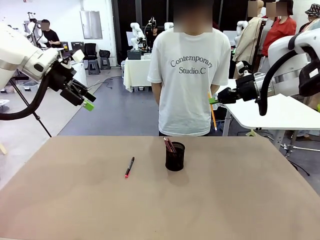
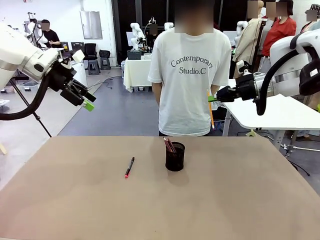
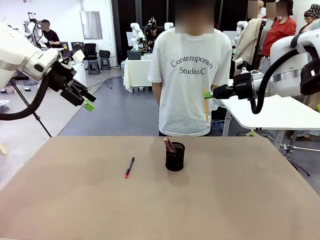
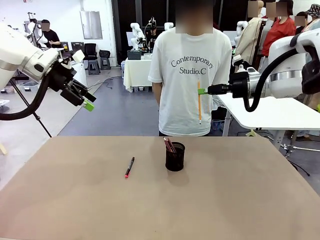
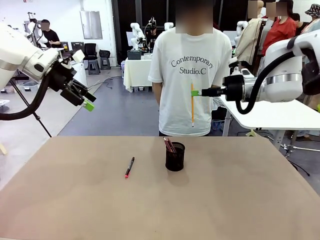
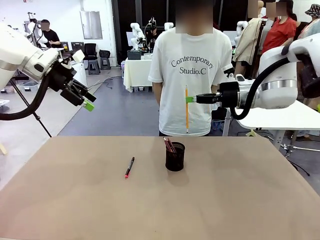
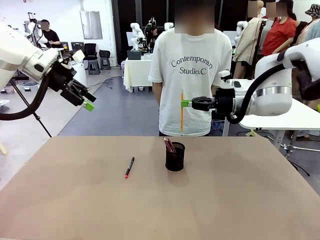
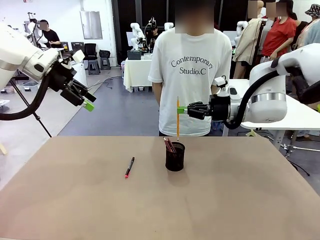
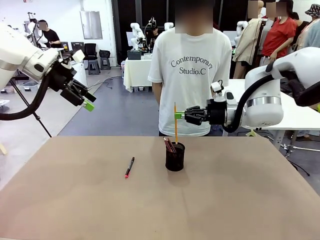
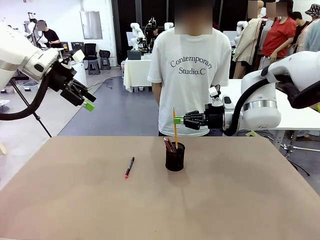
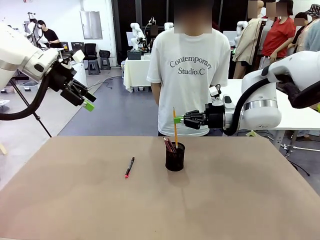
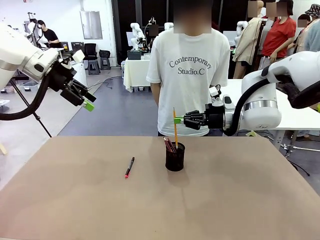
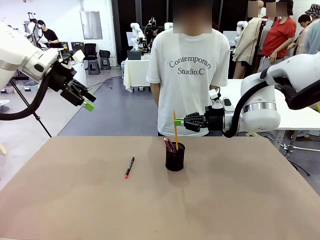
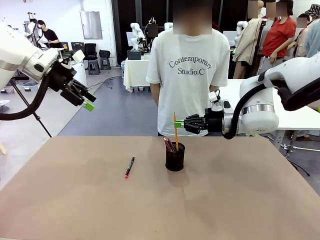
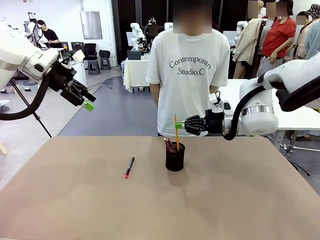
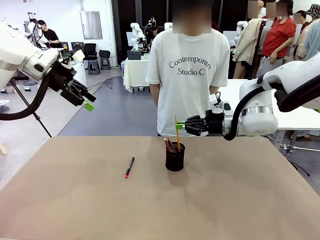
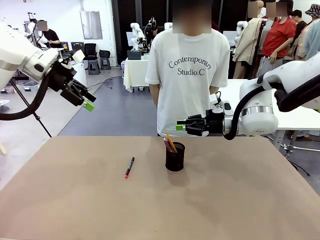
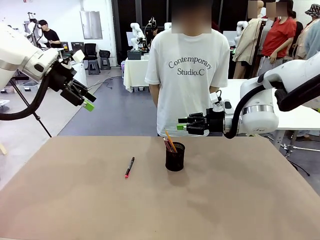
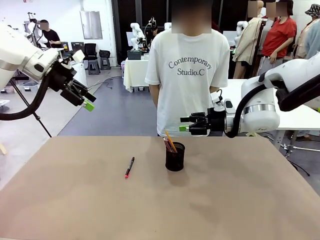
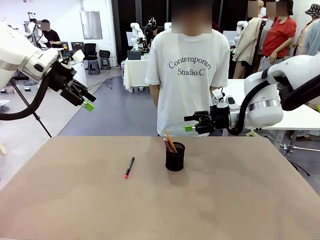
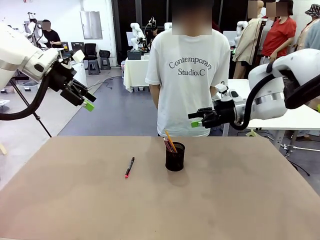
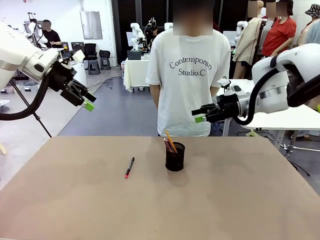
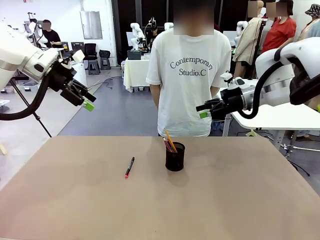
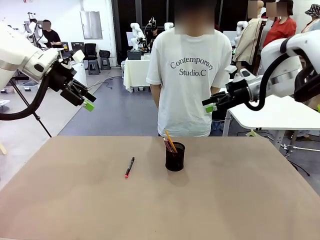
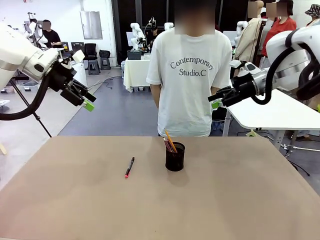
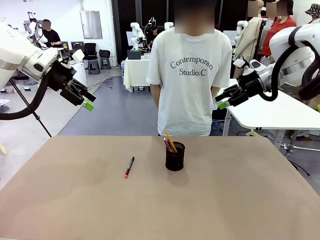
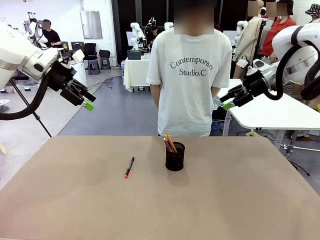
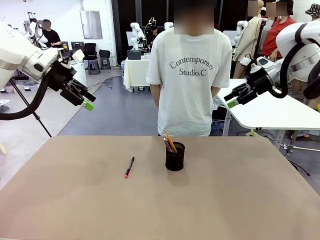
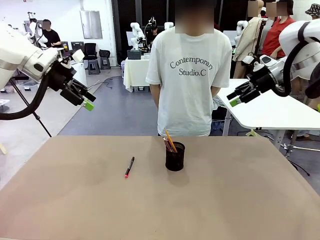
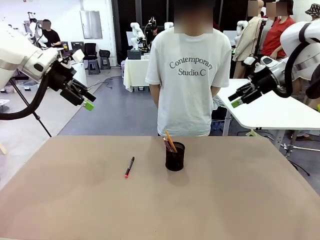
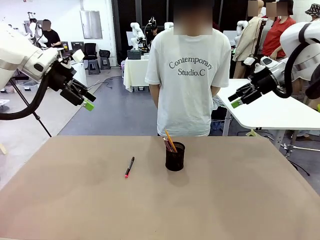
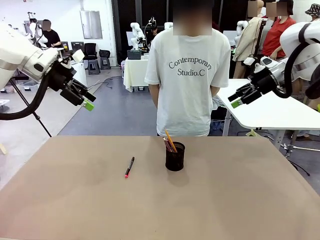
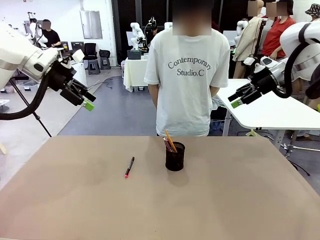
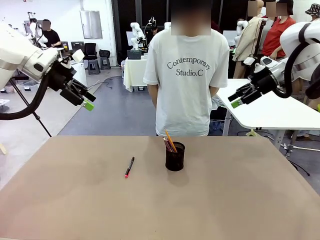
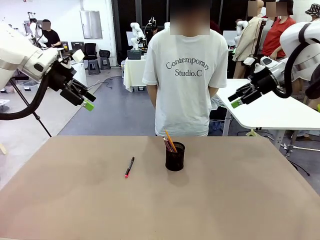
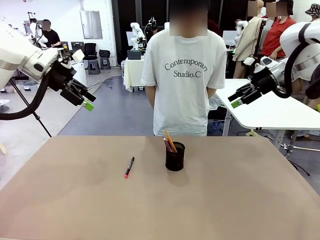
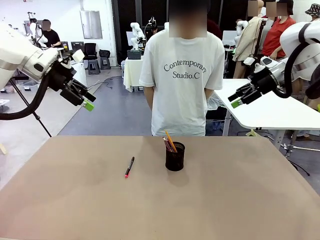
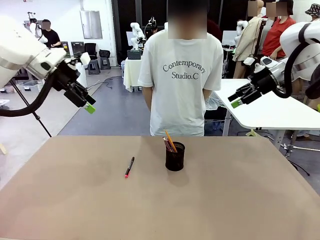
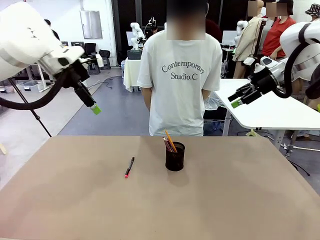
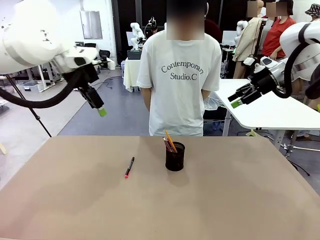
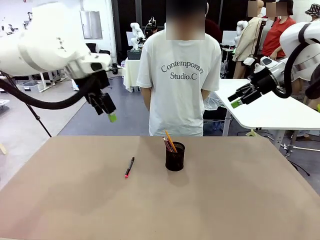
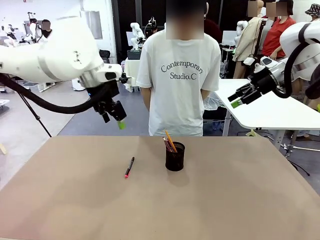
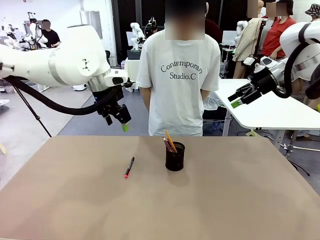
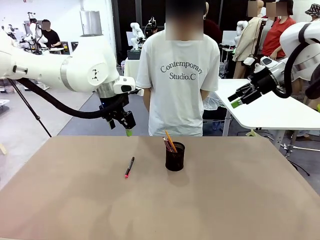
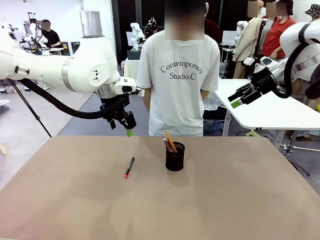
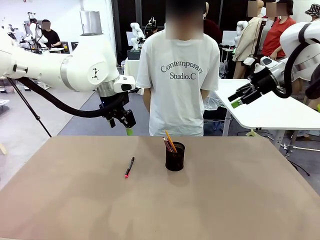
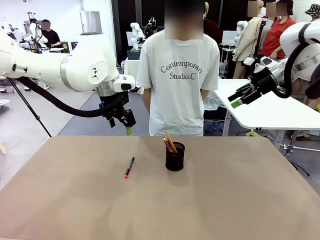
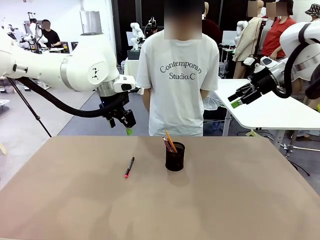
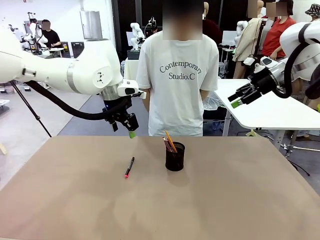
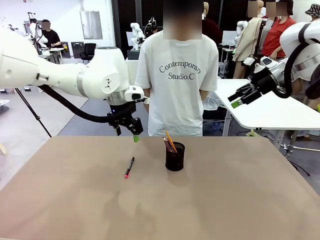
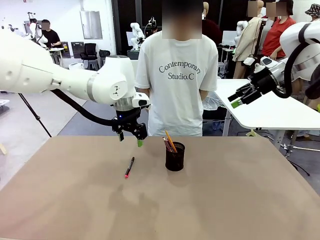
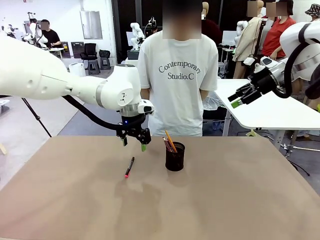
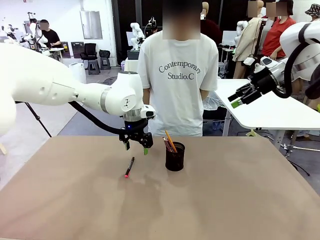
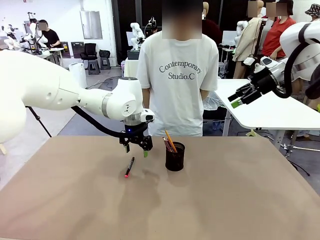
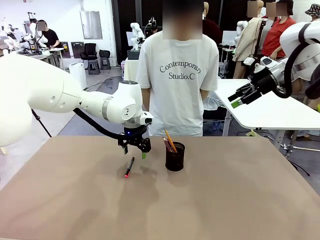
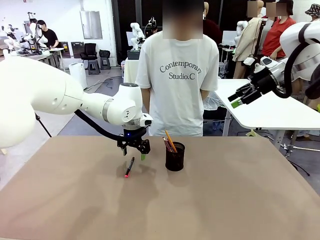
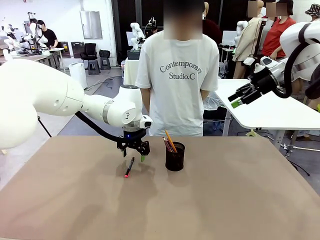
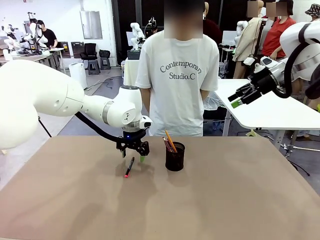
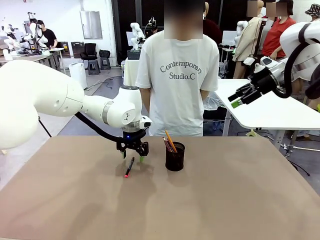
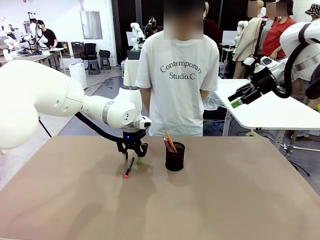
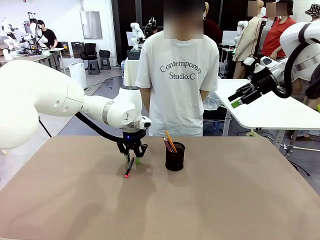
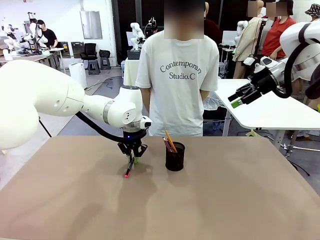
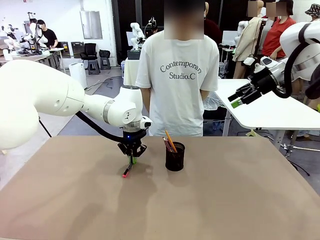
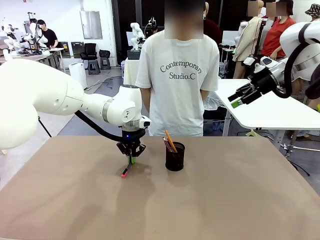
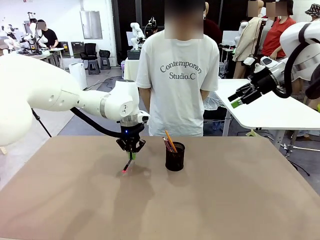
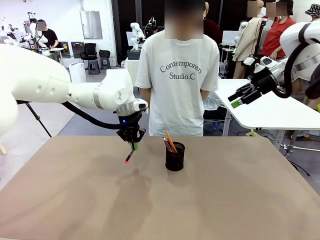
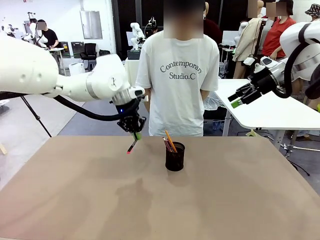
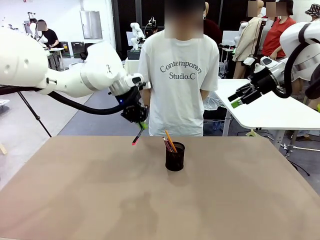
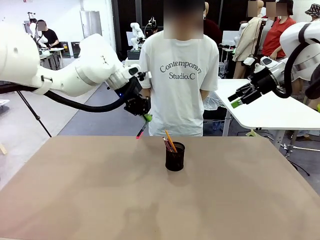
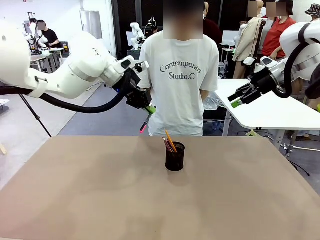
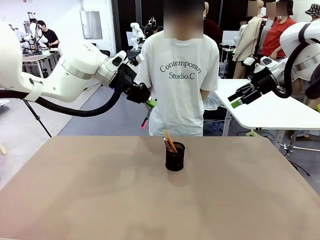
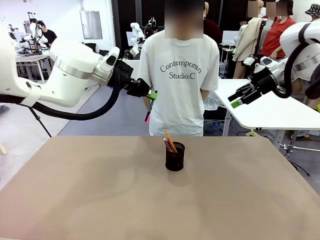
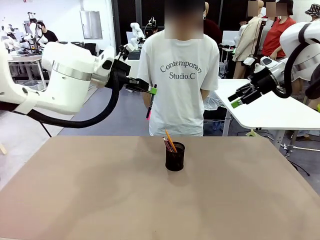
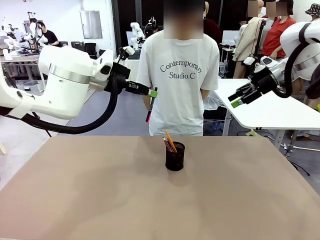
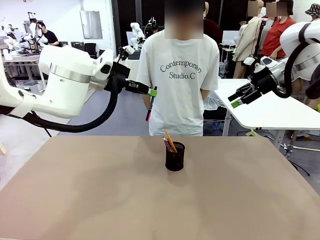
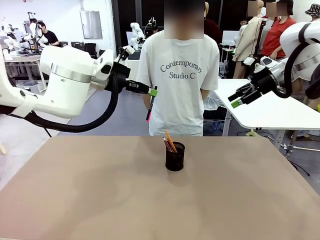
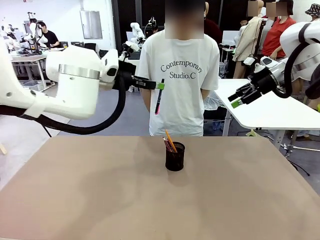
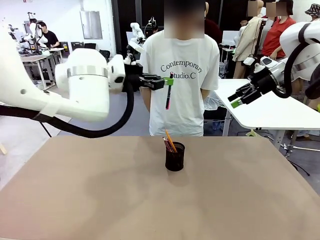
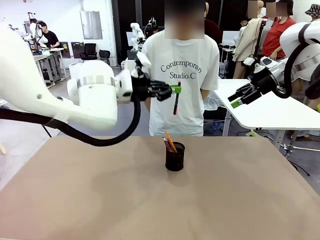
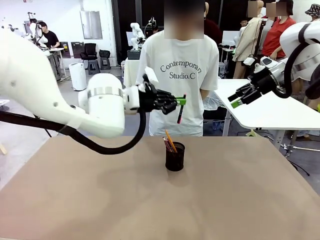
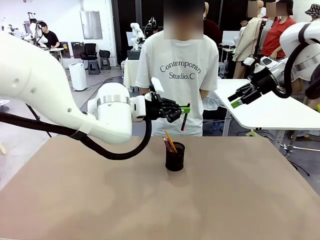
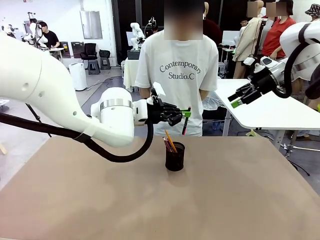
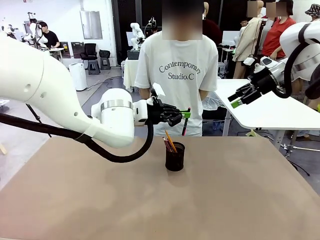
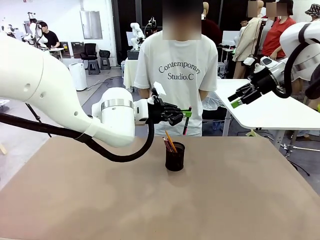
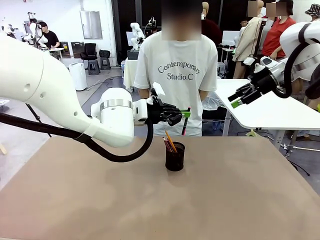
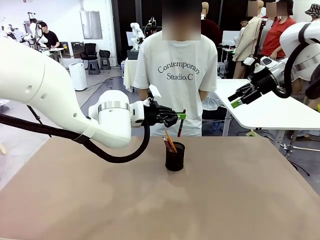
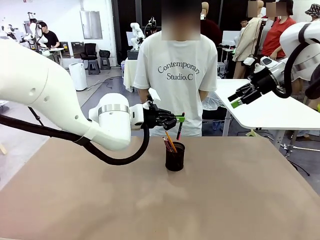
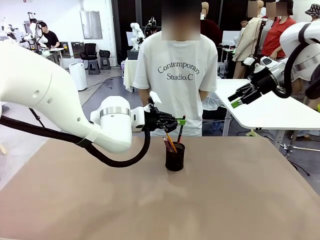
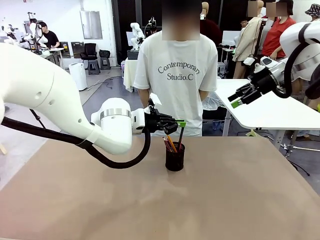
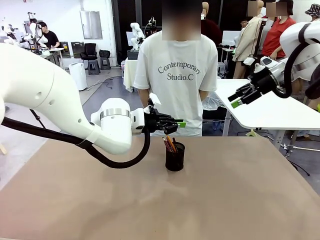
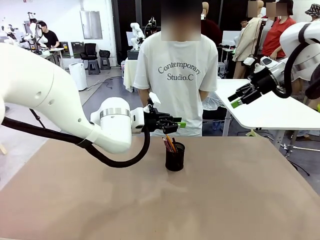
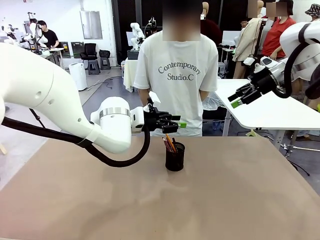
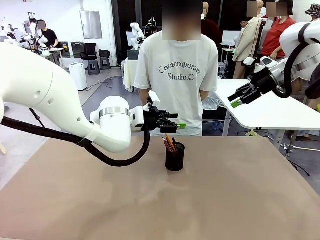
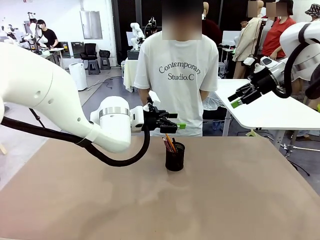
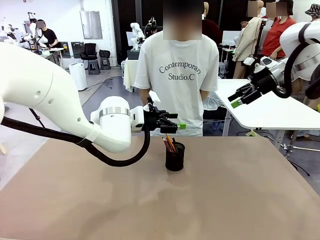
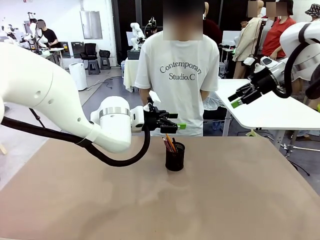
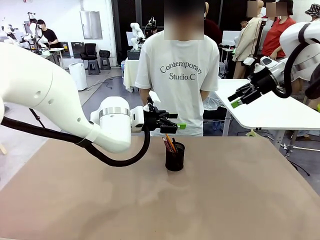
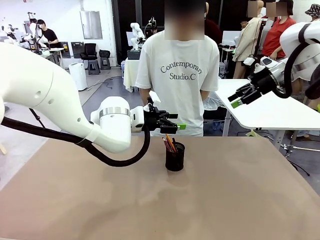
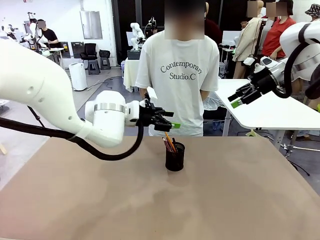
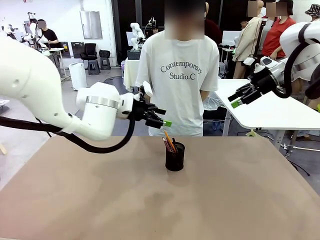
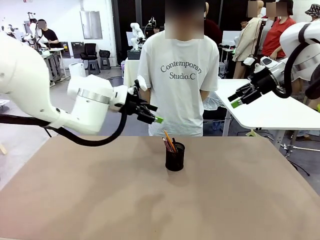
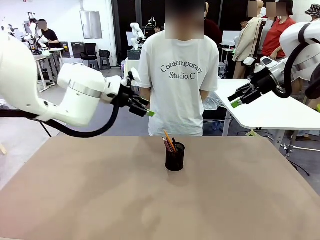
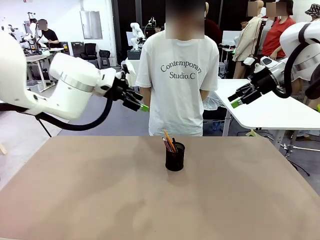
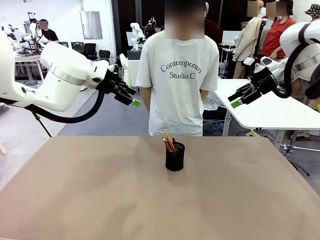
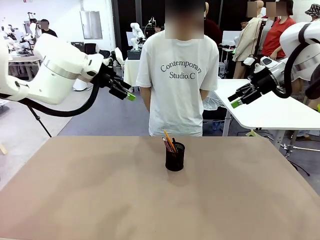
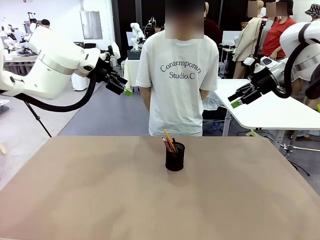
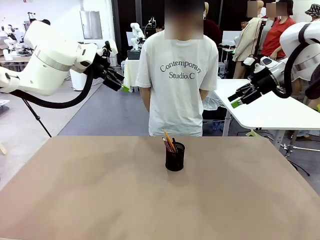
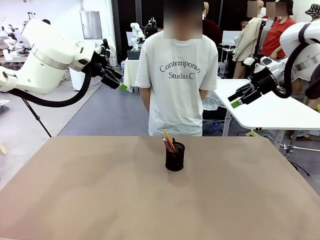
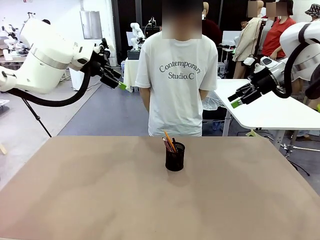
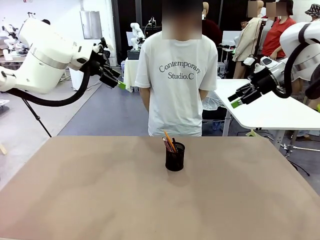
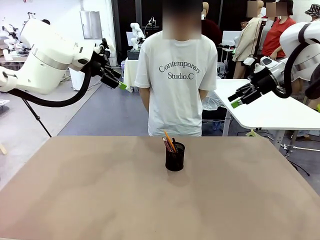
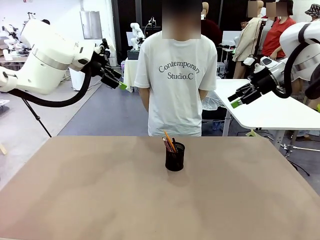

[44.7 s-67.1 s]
Task: Place the pens into the pen holder.
Robot: Pick up a writing instrument from the table and place it into the Pen holder.
